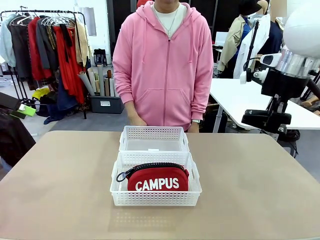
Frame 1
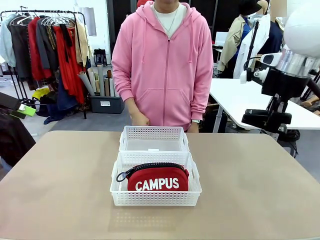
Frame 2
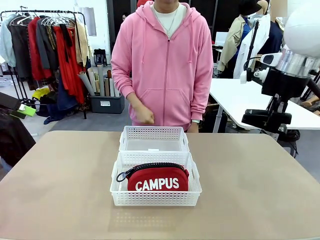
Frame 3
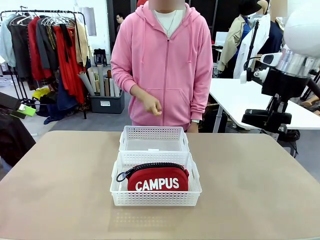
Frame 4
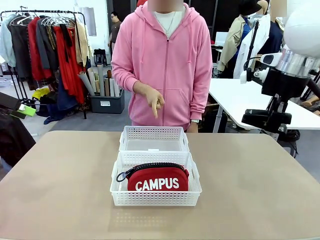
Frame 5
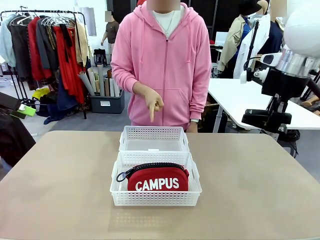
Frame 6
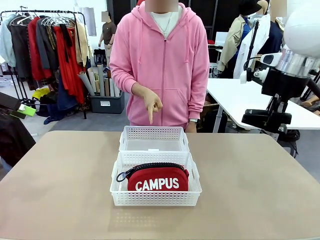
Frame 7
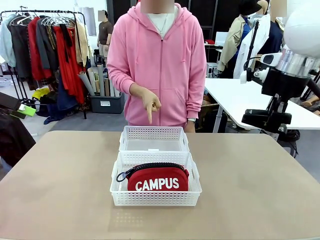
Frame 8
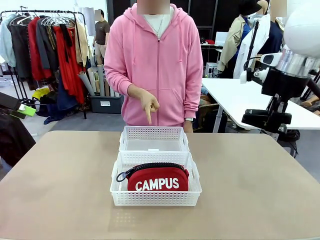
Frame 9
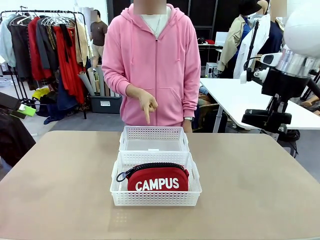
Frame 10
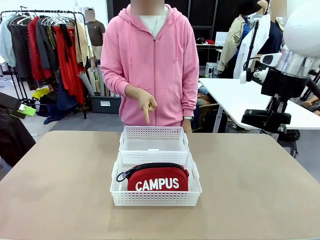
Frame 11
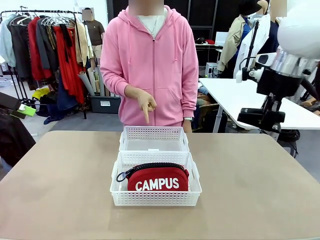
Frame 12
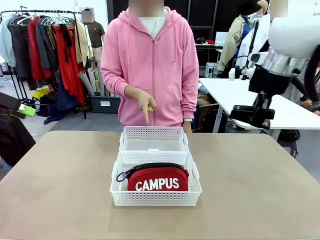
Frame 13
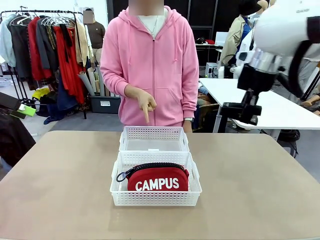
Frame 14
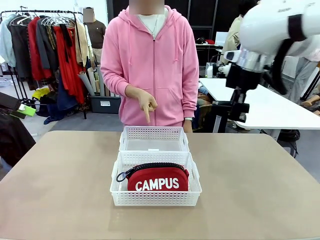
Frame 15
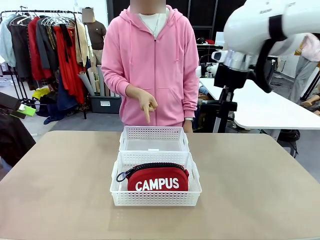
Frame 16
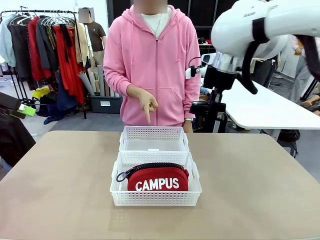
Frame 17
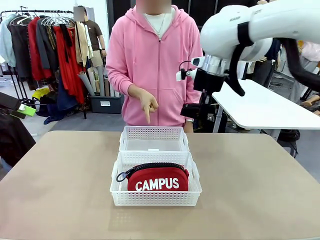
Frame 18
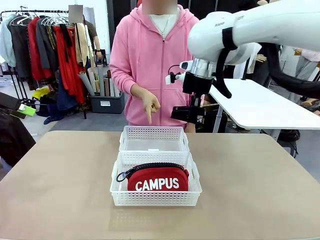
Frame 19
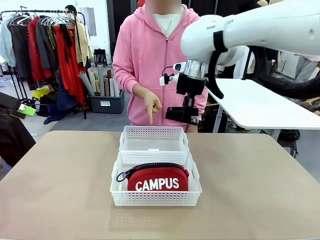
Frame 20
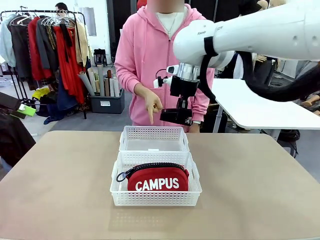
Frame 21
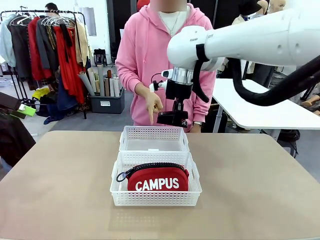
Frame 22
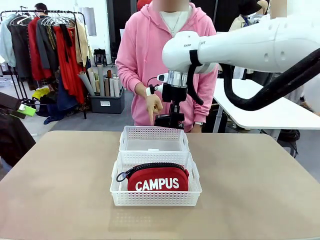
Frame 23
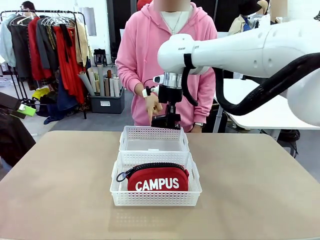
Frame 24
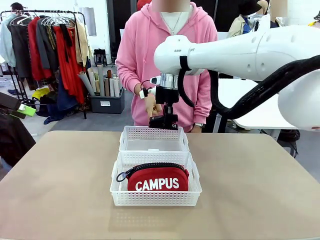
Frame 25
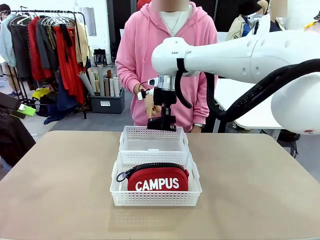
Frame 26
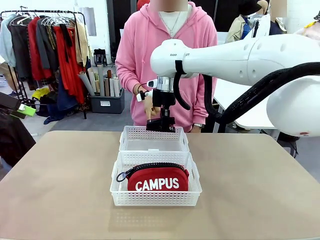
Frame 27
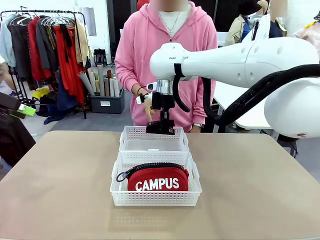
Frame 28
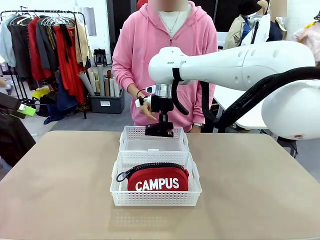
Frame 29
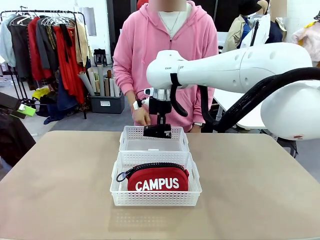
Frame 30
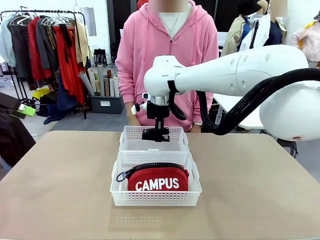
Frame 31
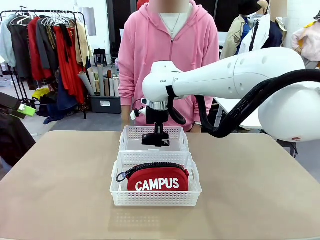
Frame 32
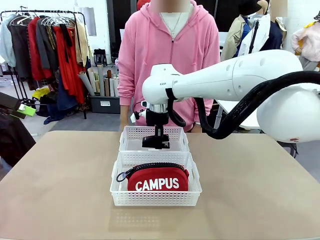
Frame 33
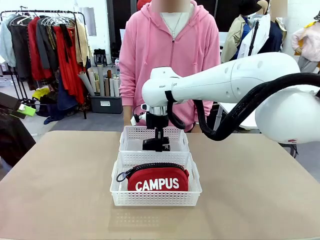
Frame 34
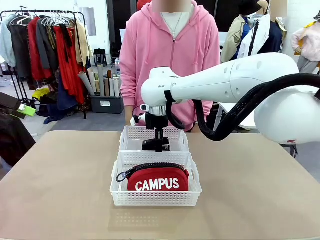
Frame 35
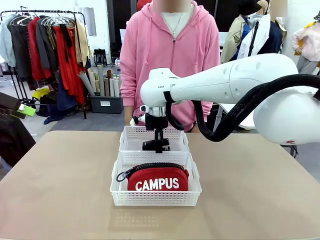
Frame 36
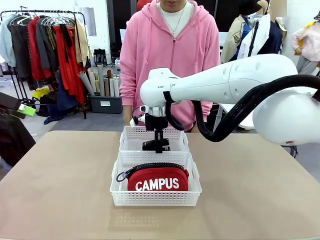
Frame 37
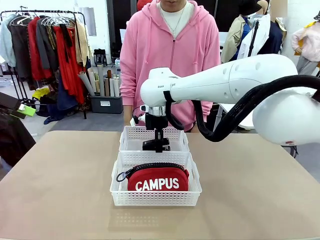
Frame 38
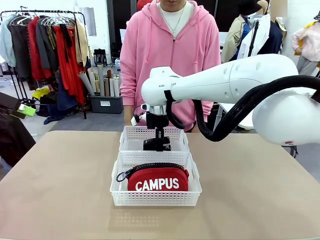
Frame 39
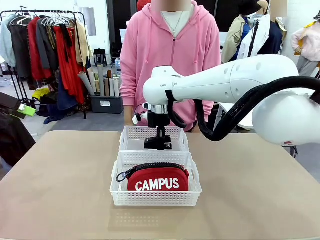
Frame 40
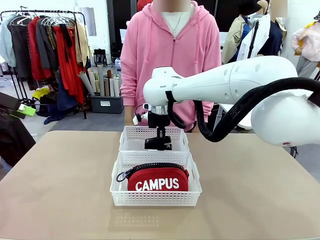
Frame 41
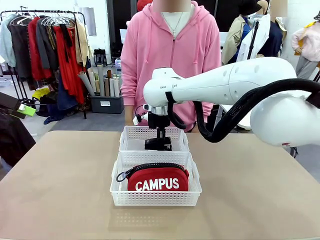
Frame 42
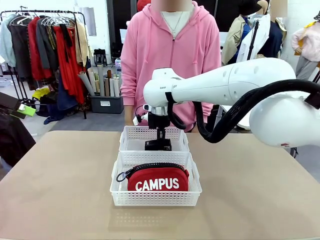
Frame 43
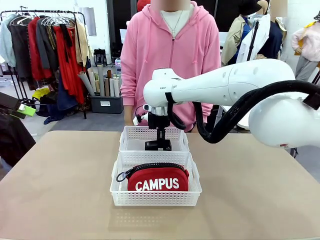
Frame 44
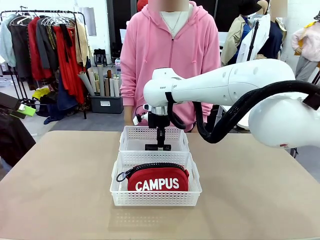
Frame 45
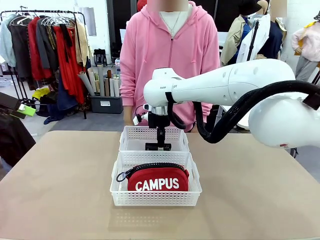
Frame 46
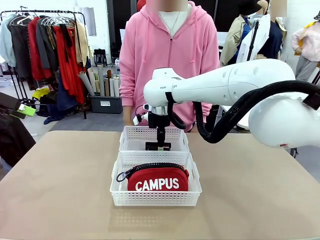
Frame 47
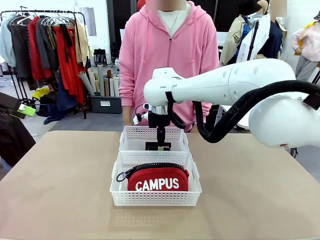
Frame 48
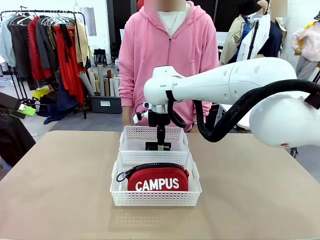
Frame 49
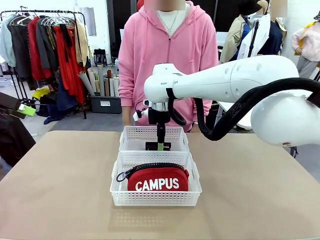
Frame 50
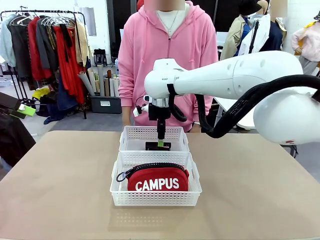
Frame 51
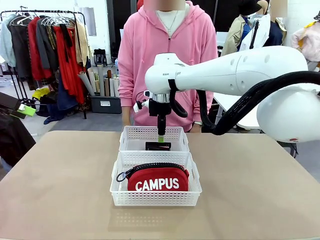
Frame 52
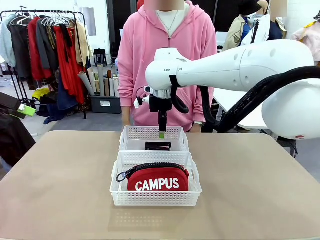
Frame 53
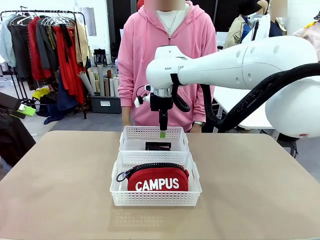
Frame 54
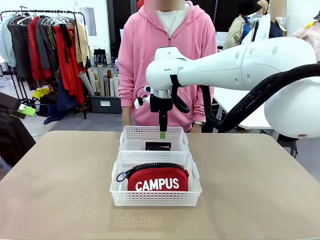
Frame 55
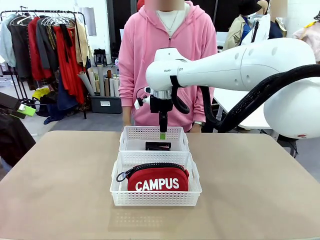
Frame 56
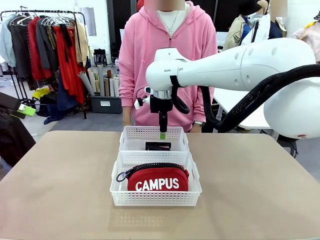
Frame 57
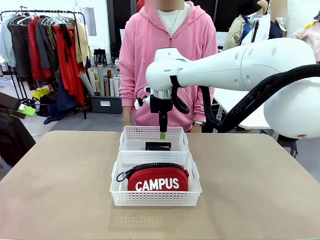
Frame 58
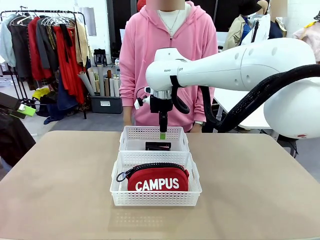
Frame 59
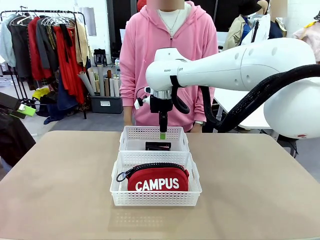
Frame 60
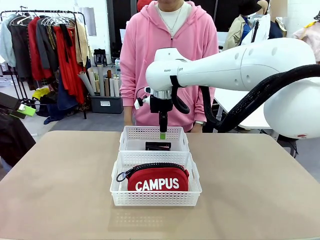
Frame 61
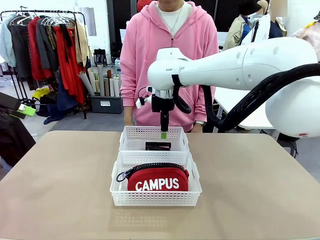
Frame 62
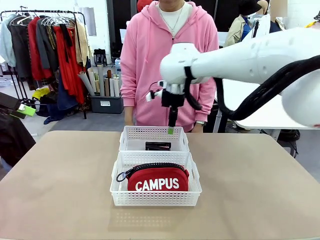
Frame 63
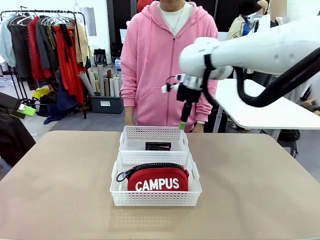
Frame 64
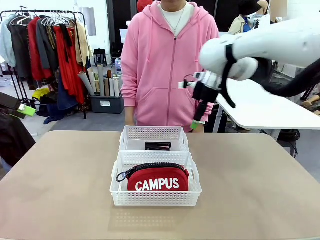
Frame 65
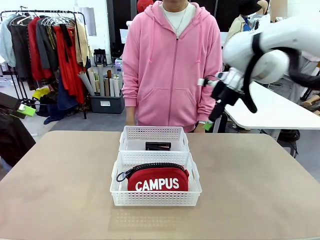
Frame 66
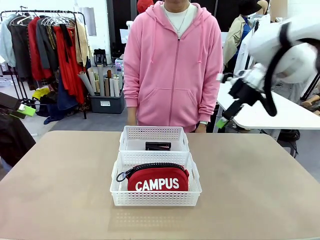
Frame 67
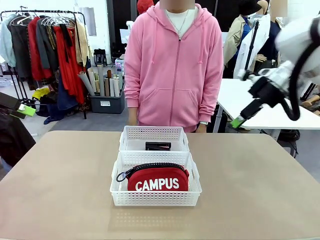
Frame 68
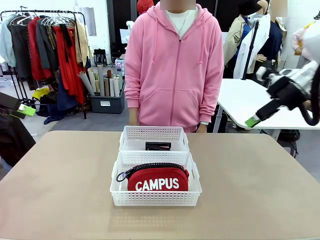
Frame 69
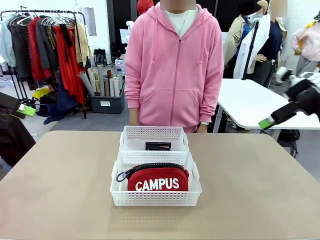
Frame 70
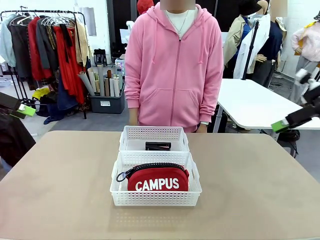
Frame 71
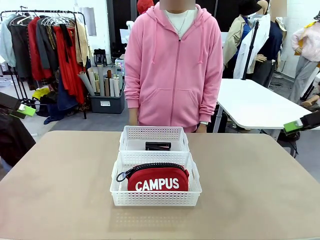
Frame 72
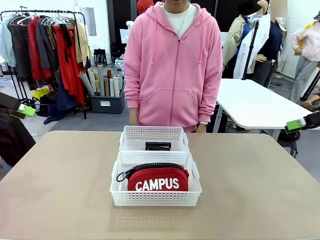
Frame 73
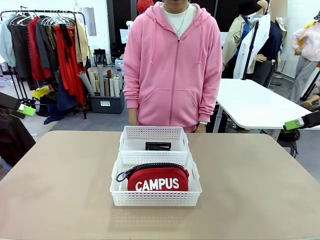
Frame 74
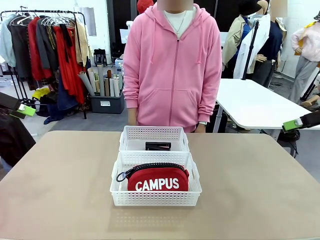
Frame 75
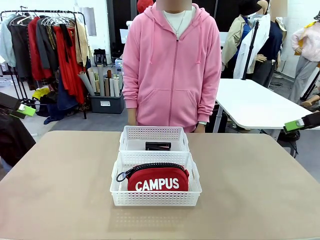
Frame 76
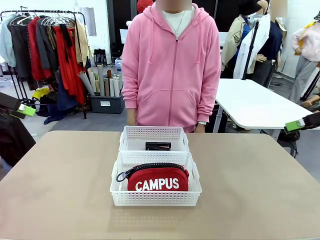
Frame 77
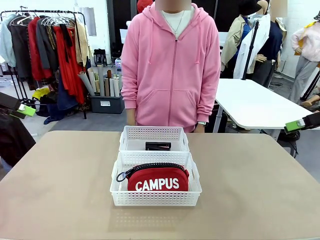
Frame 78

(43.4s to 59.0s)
Task: Distribute items into two baskets.
Robot: Place the picked Stapler into the Organizing basket as instructed by the person.
Person: Points to the basket that does not contain the pencil case and instructs the robot to move the stapler there.
